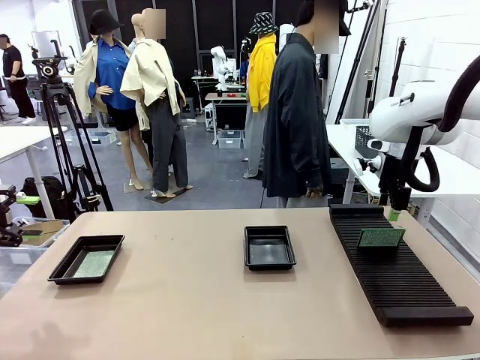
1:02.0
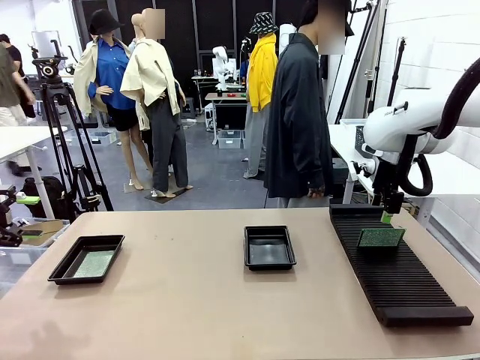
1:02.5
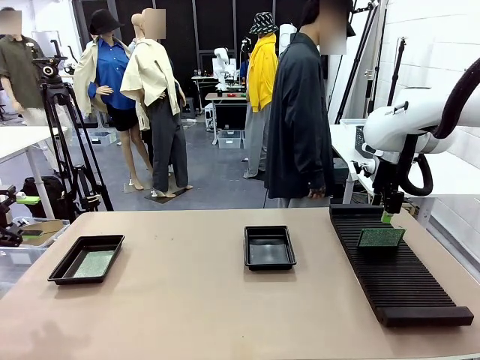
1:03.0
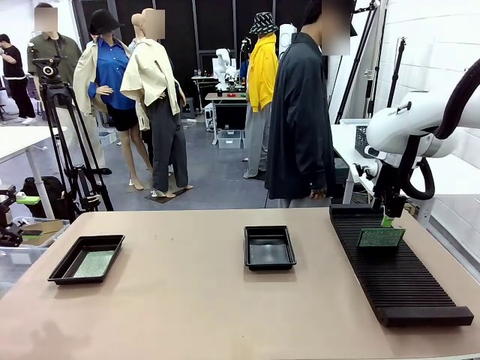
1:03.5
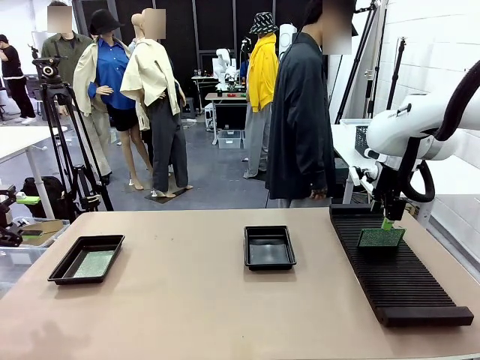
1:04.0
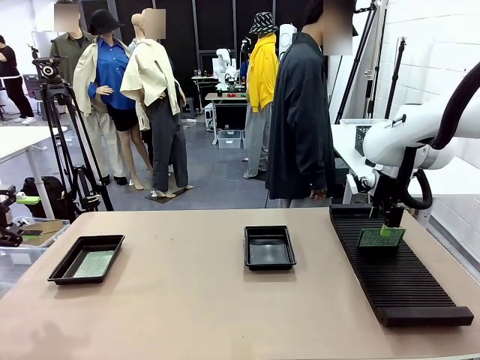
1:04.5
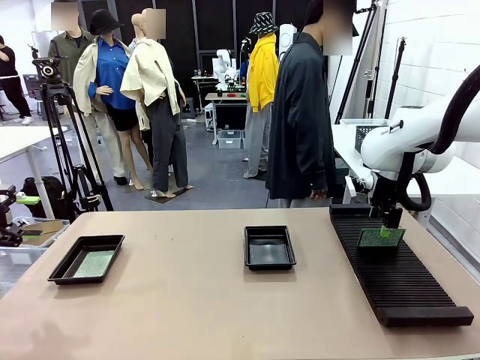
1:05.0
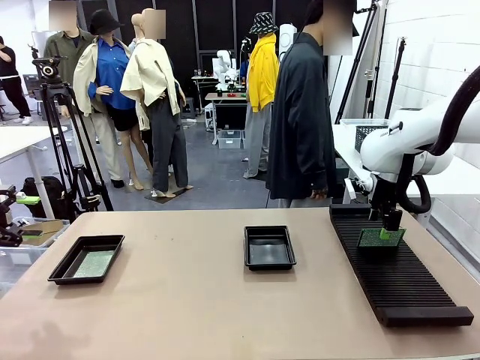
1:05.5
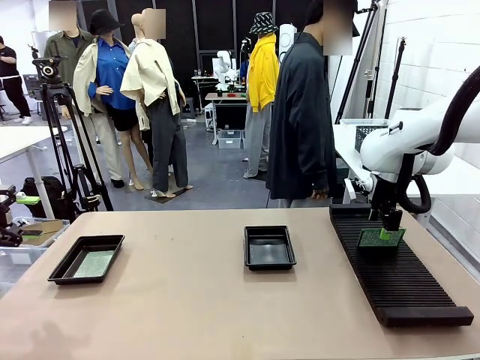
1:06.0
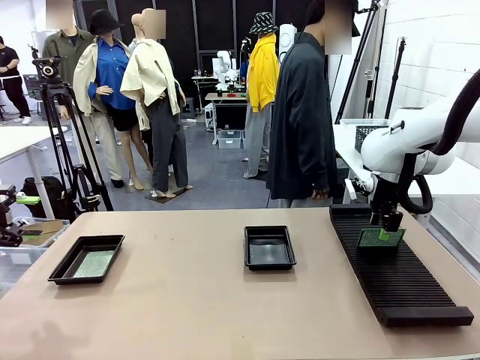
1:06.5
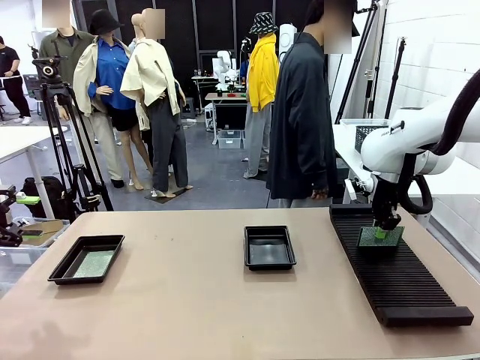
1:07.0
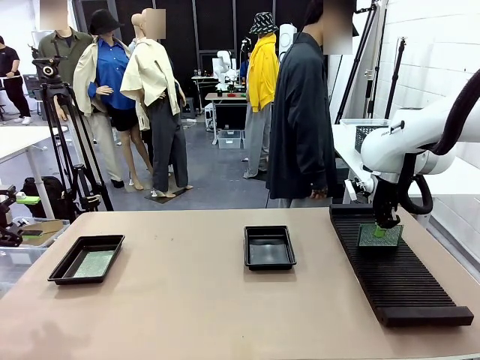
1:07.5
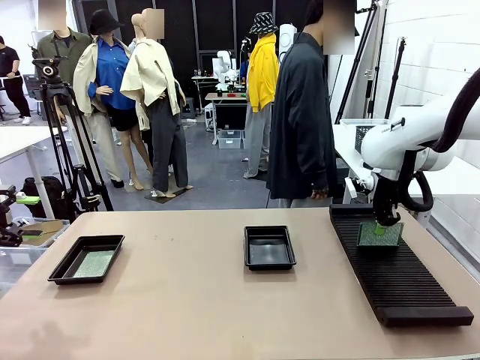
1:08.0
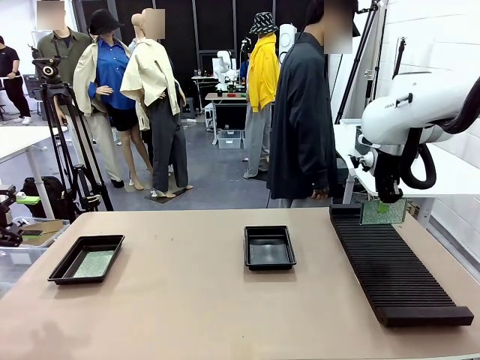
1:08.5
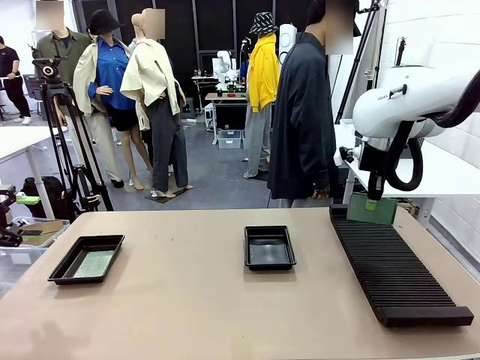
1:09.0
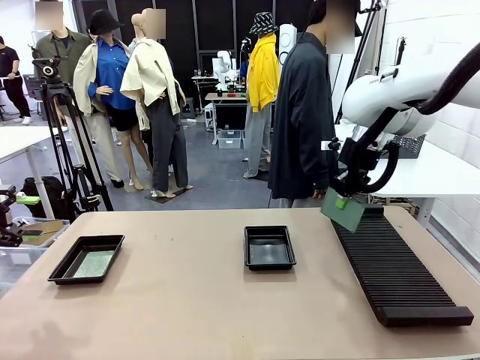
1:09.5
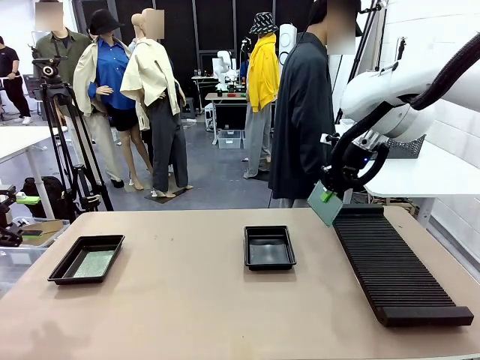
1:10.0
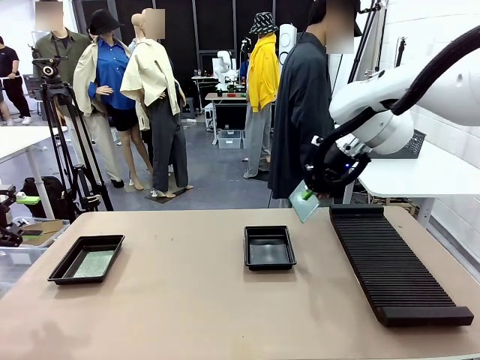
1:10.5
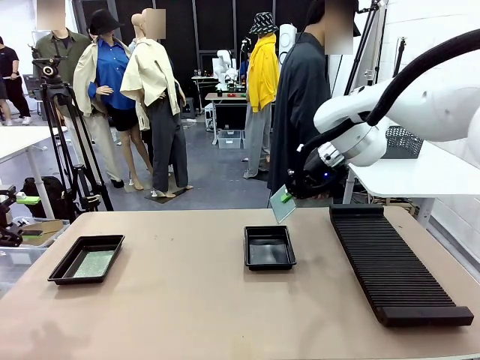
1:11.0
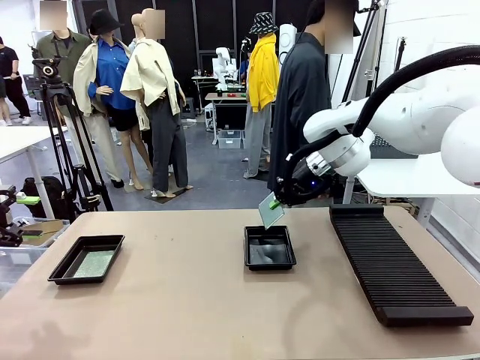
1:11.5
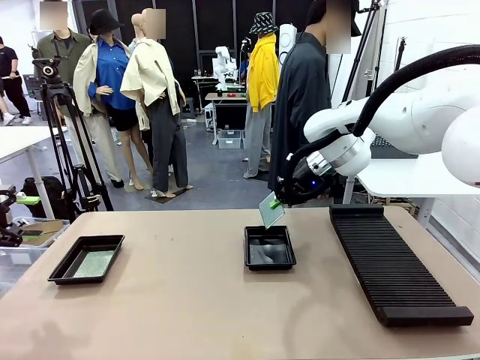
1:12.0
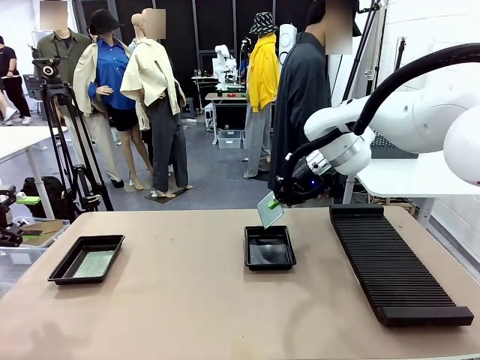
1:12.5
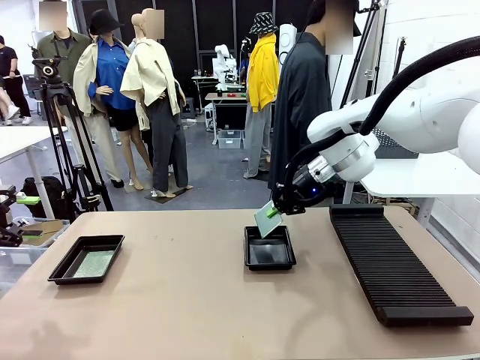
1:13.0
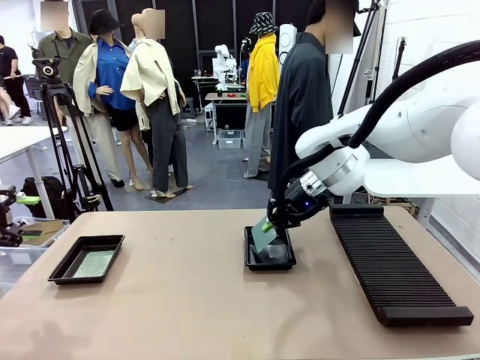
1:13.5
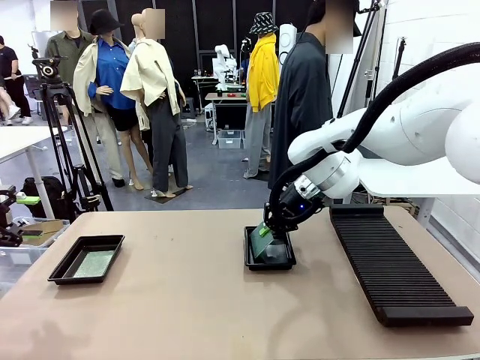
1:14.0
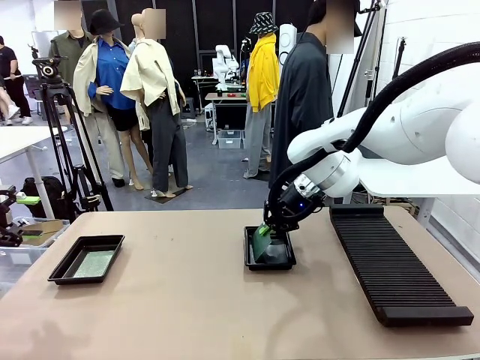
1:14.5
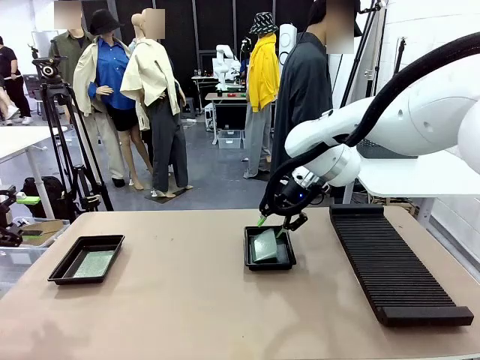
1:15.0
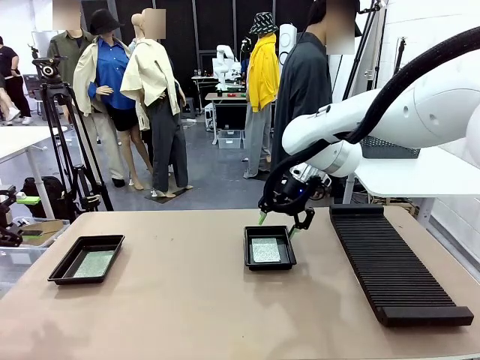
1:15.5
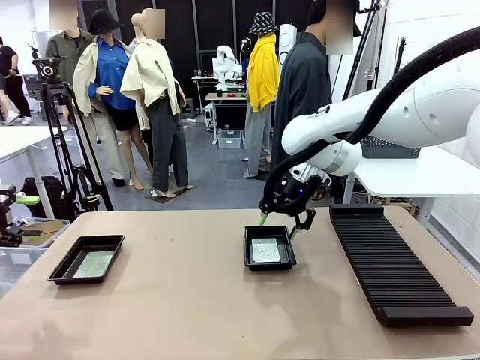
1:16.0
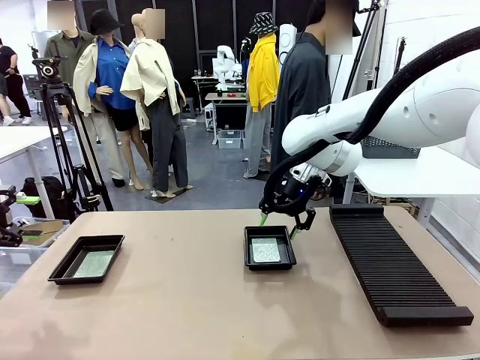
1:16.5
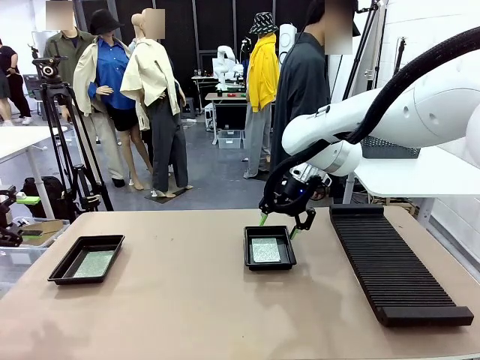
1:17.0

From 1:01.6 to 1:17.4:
Task: Inspect and transfer BCBs to ESD trays.
Robot: Pick up the Blank PCB from the PCB Rack and place it in the right ESD tray.

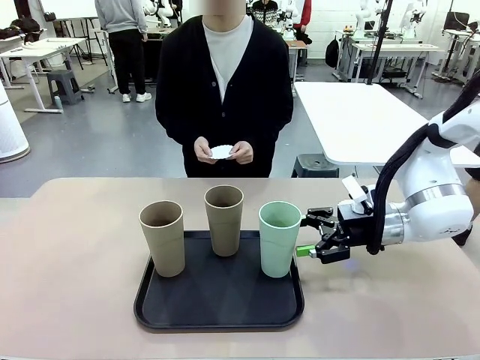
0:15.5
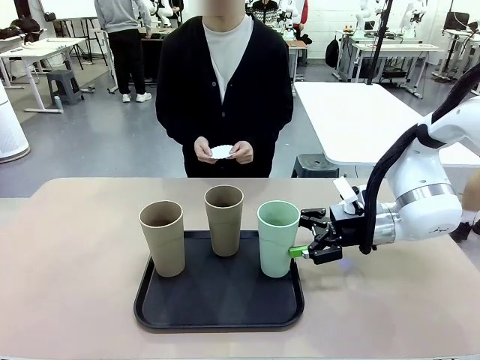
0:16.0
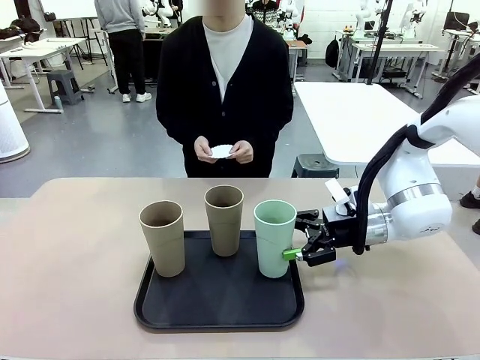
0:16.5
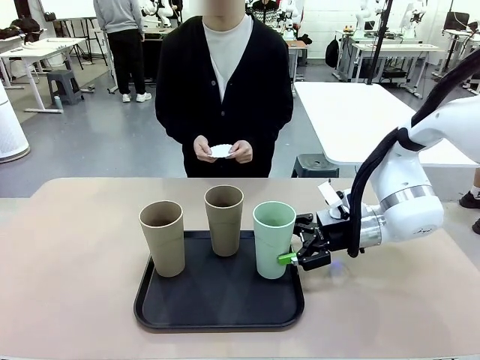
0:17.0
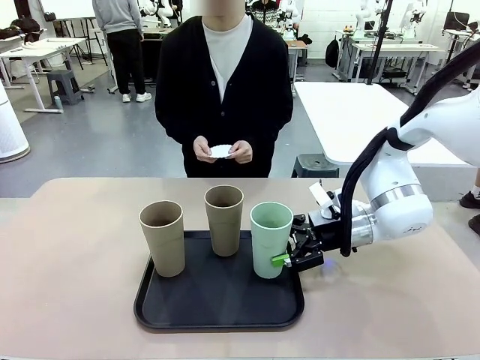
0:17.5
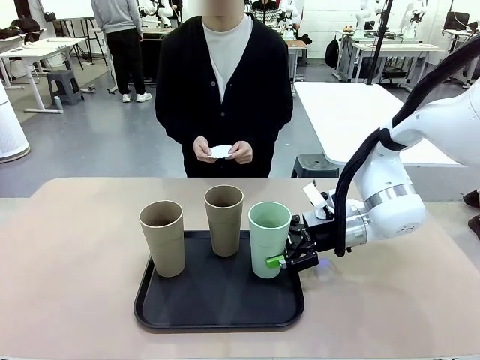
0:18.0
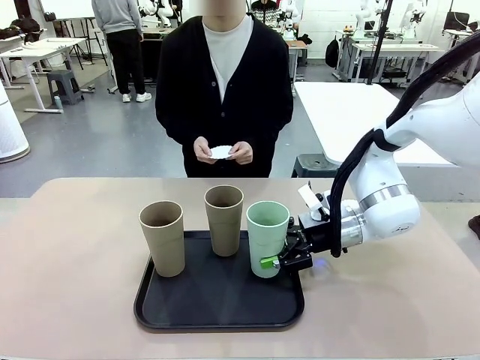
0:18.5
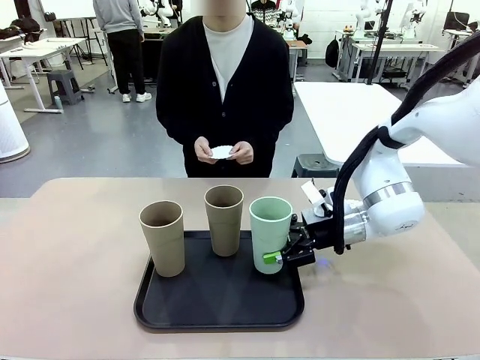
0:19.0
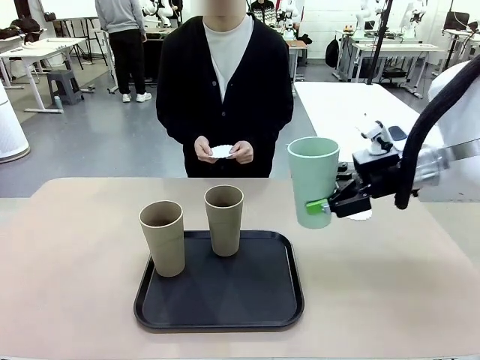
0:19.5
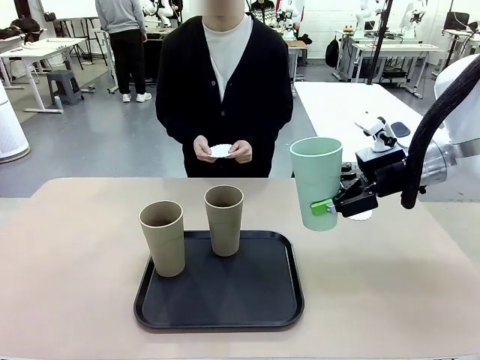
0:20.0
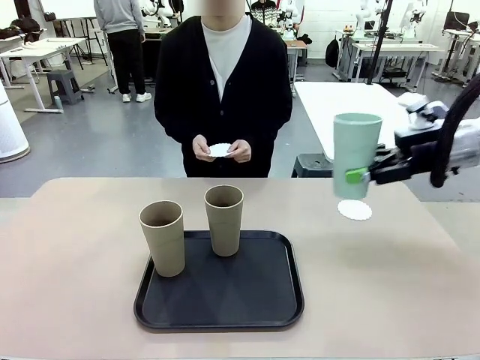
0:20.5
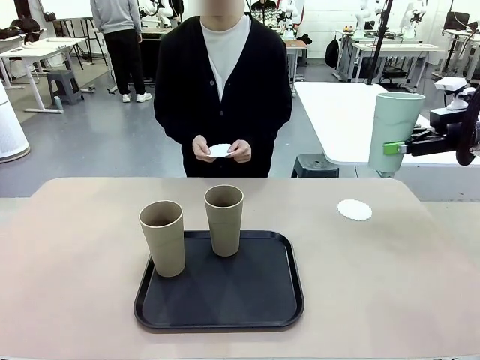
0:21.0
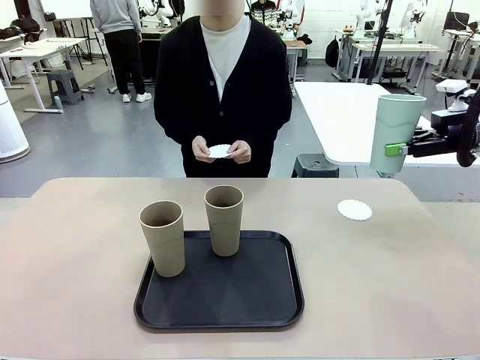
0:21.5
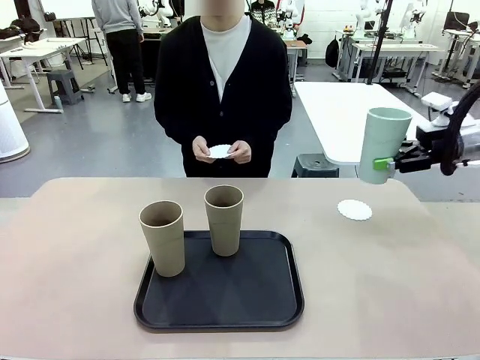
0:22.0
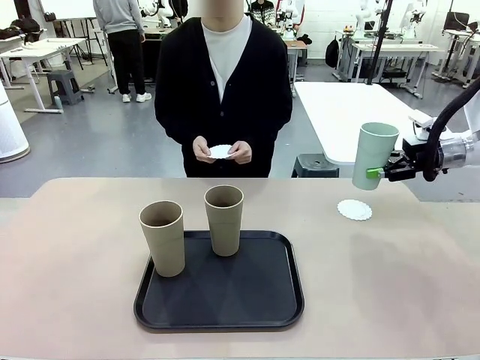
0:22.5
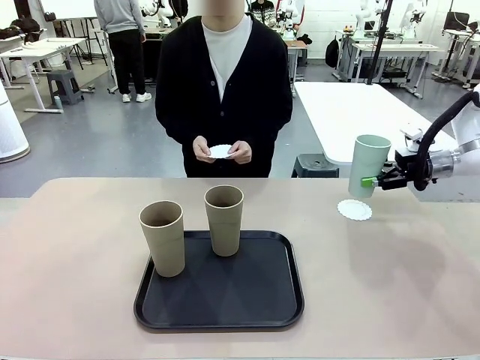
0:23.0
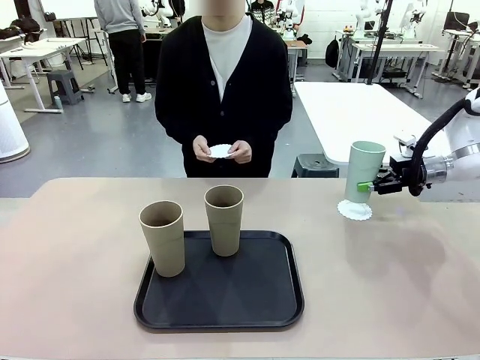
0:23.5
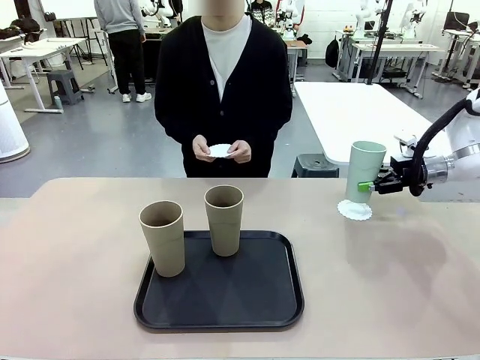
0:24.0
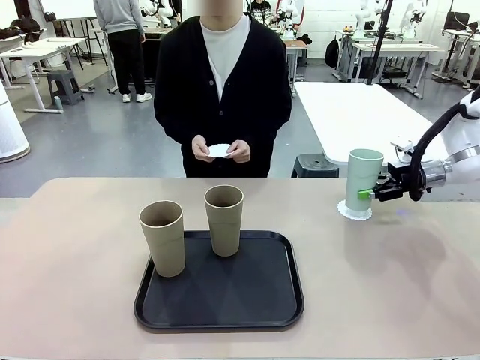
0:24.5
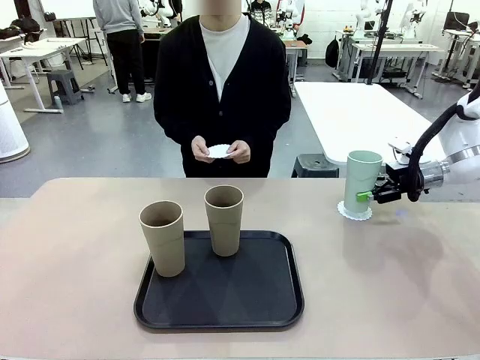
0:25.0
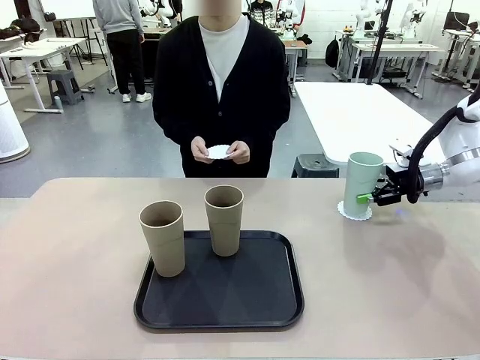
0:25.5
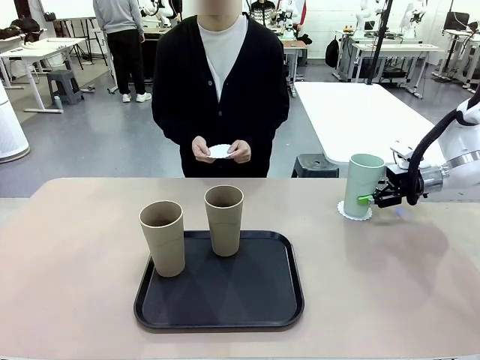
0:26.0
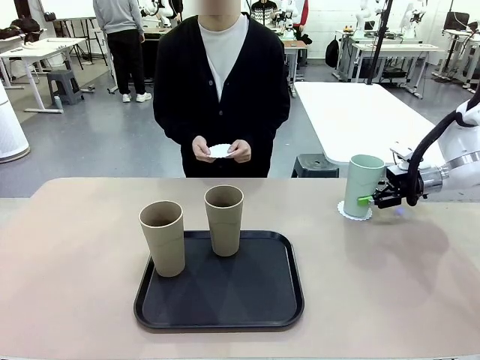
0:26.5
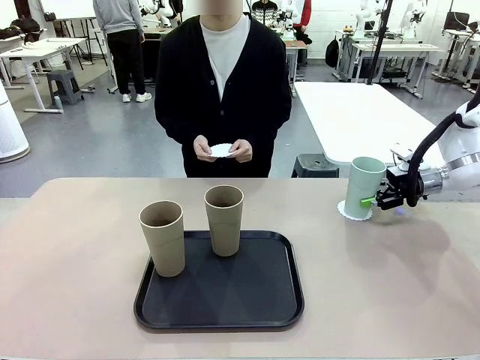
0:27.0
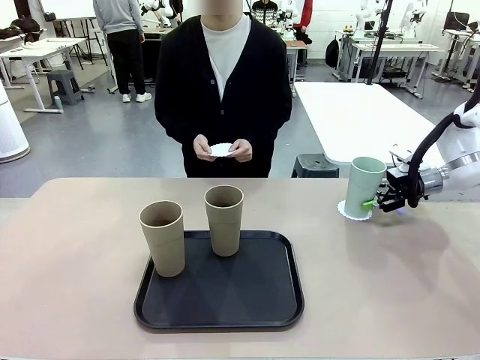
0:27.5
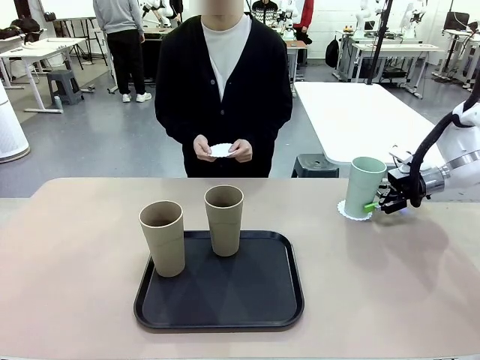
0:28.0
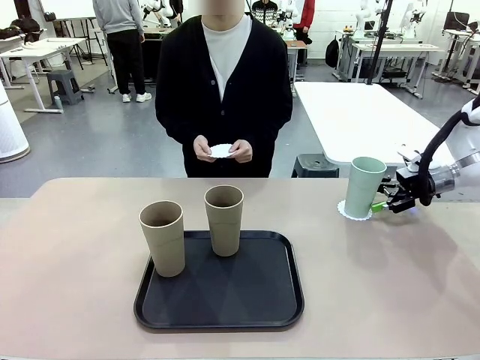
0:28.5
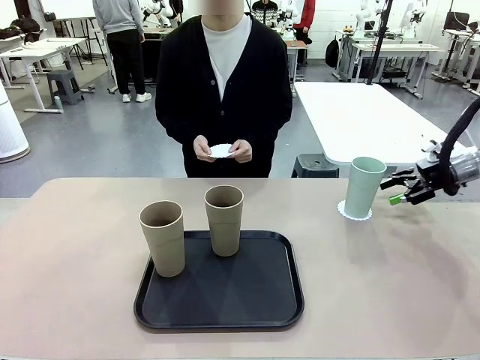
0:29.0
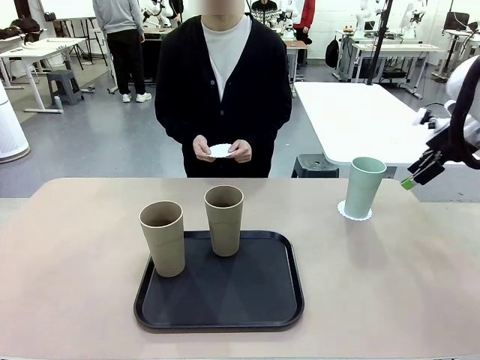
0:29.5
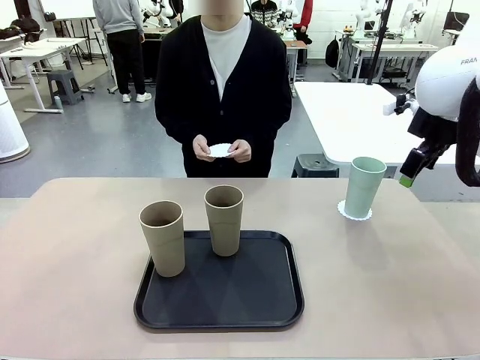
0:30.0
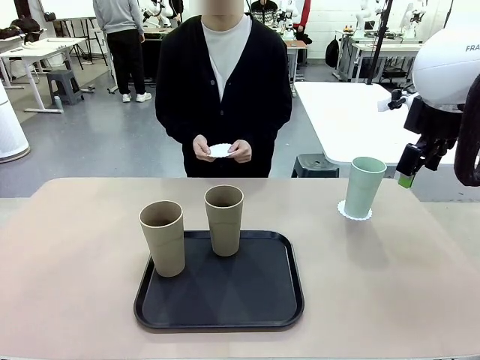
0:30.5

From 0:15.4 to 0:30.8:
Task: Place coasters on the table and set cups on them.
Robot: Pick up one Reusable plastic cup and place it on a coaster set by the human.
Person: Place one coaster in one of the two areas excluding the previously selected area.
